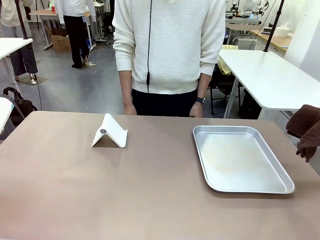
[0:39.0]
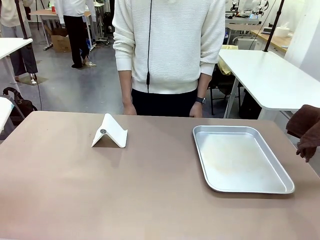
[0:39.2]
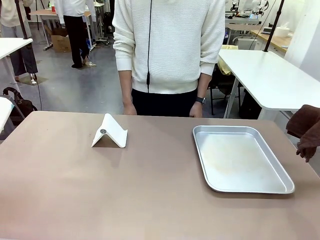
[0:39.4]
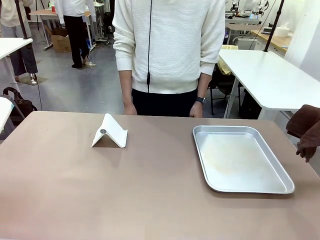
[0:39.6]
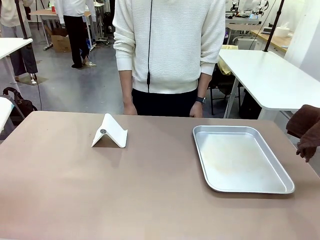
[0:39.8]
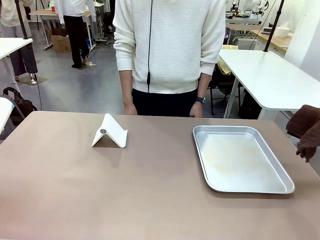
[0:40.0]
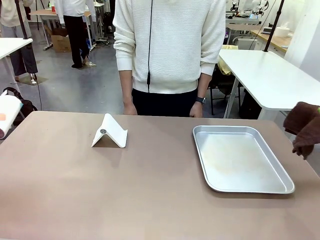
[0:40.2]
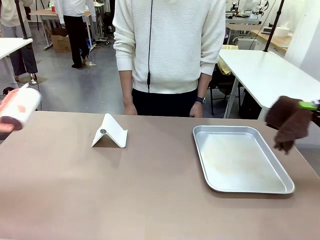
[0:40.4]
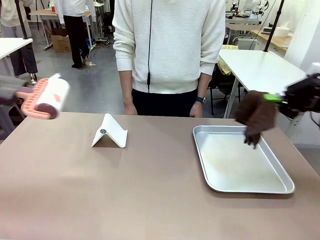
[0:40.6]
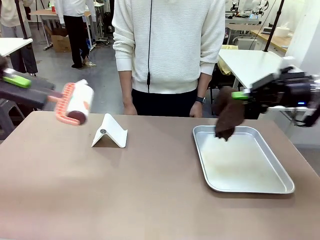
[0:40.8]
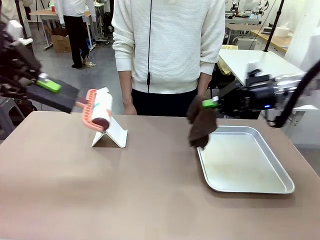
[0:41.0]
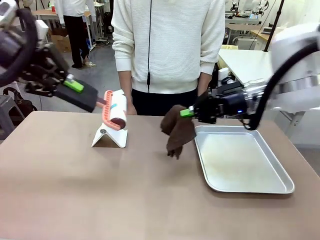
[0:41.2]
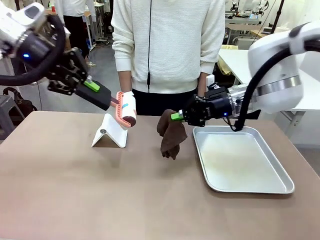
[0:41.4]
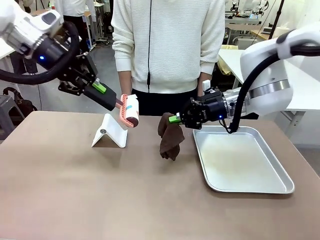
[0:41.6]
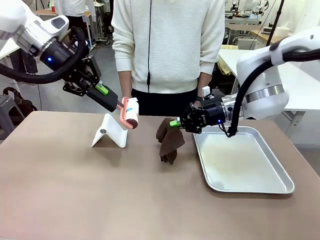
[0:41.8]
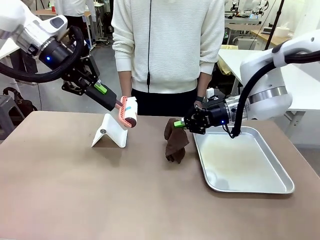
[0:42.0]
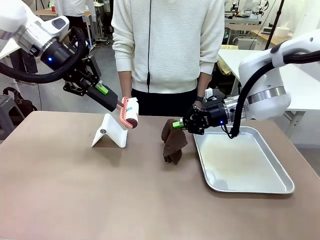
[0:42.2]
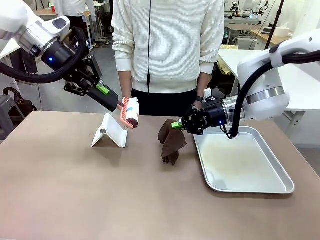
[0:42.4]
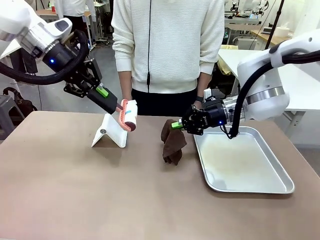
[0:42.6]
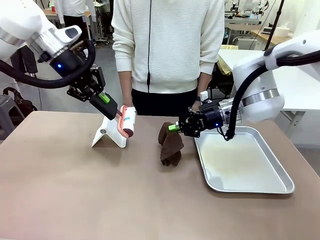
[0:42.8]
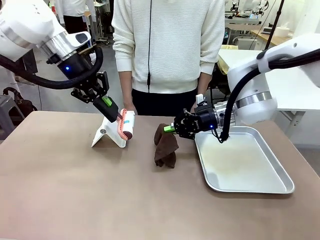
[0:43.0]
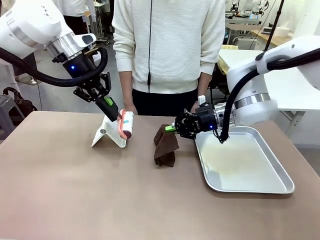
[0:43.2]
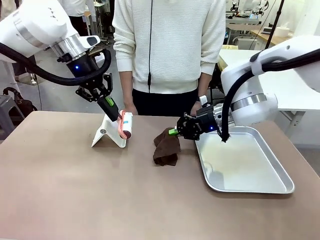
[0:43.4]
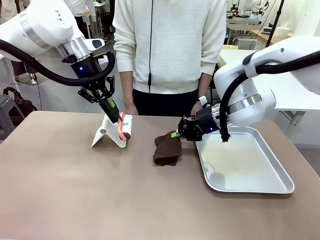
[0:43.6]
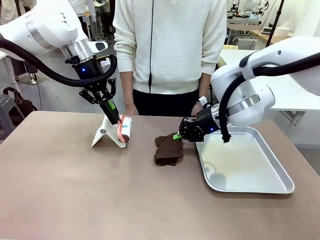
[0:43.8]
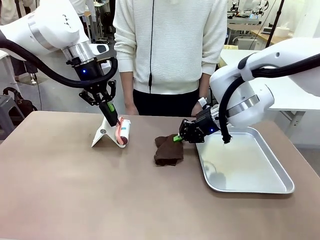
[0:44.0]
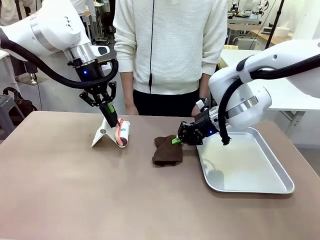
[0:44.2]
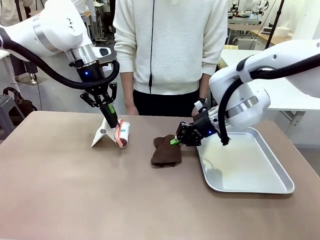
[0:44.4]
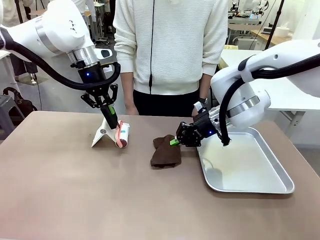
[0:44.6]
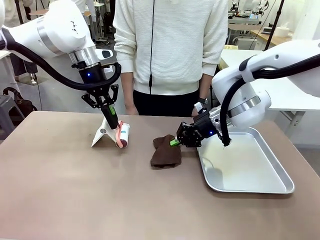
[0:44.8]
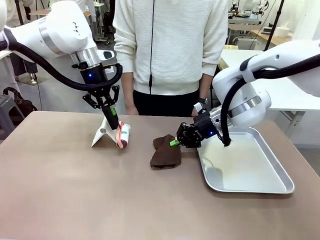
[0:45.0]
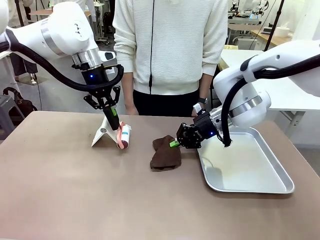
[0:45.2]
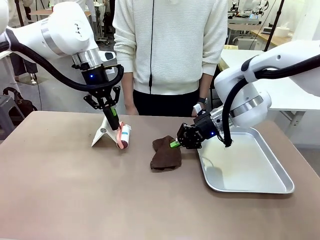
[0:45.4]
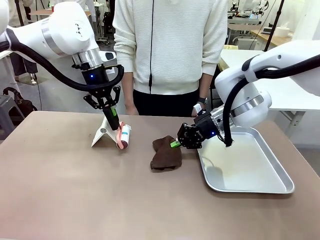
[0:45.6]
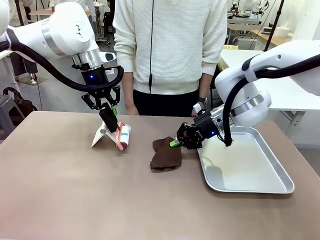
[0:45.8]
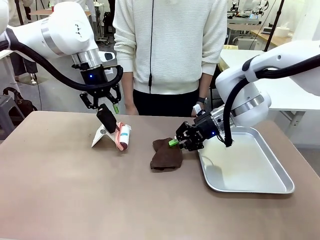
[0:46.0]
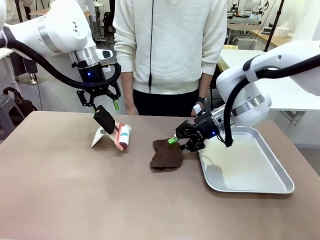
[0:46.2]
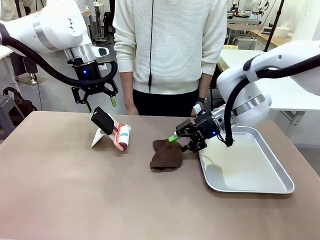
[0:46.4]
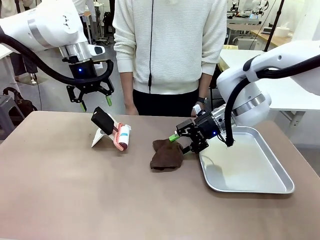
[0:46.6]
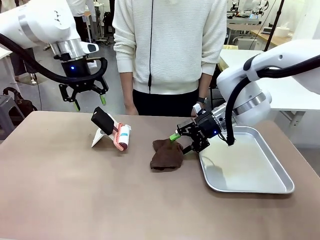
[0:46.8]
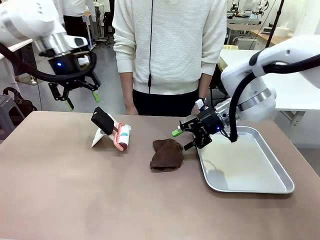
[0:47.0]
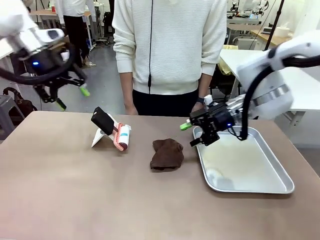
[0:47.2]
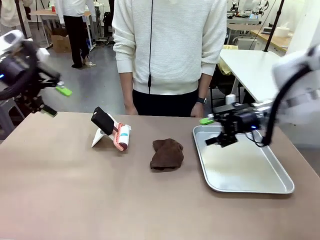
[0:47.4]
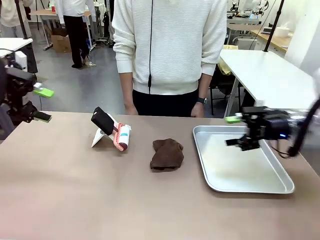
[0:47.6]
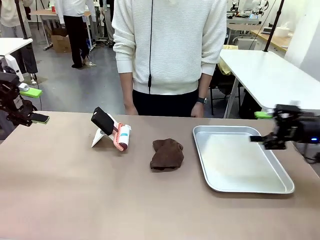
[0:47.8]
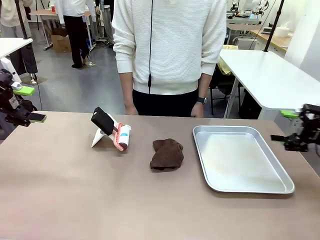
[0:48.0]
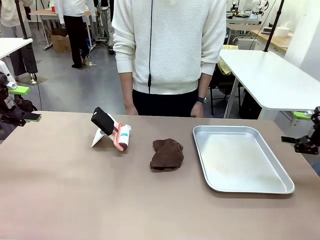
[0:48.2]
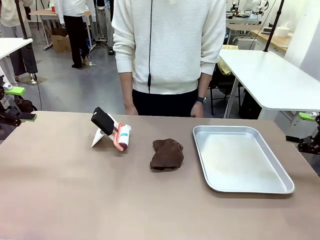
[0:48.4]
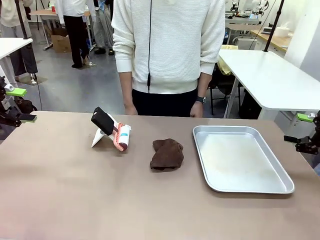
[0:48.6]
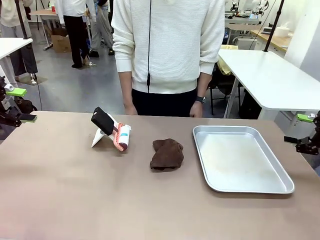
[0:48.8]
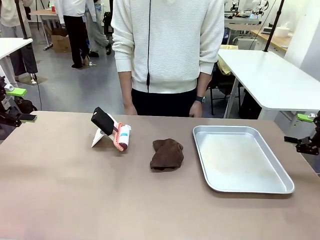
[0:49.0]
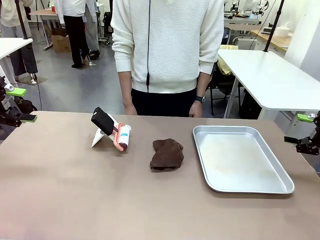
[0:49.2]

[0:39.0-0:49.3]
Task: Clean the surface of the table.
Robot: Return the Lint Roller and towel to their original positions.

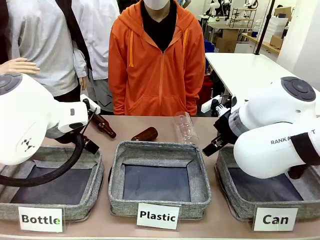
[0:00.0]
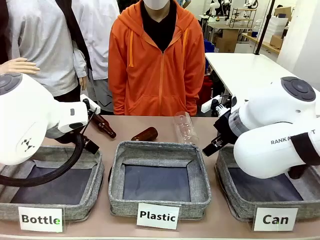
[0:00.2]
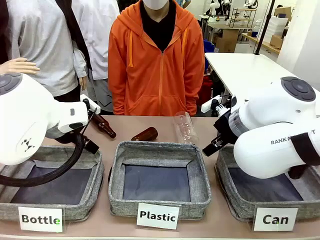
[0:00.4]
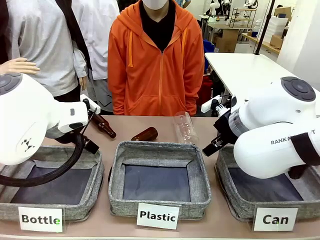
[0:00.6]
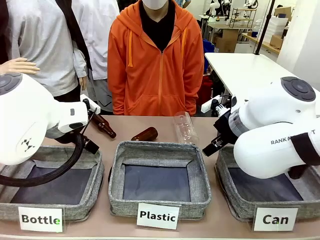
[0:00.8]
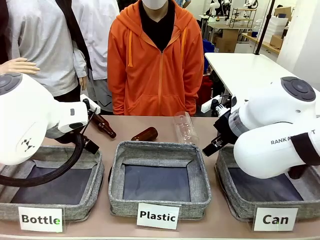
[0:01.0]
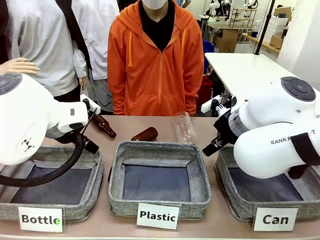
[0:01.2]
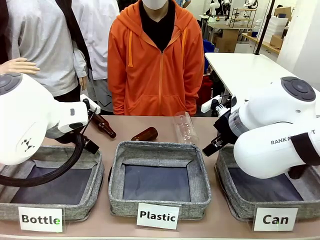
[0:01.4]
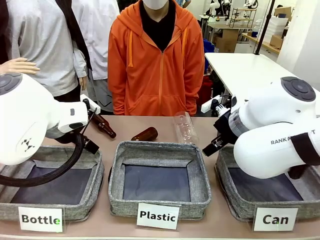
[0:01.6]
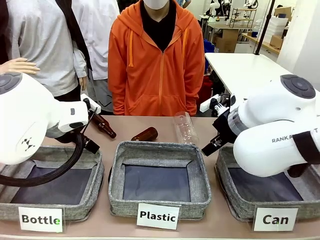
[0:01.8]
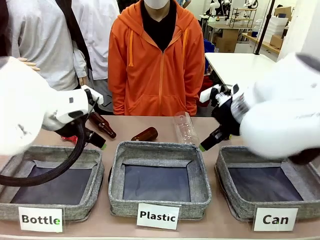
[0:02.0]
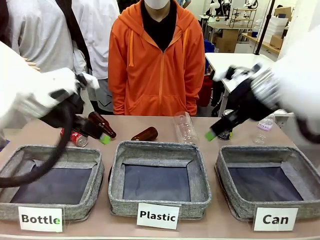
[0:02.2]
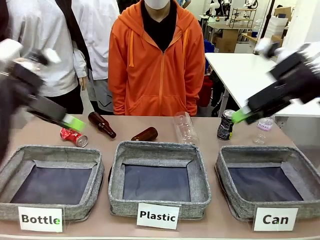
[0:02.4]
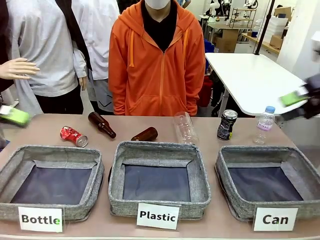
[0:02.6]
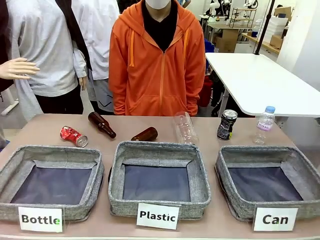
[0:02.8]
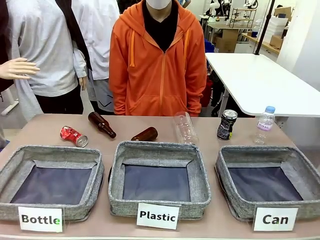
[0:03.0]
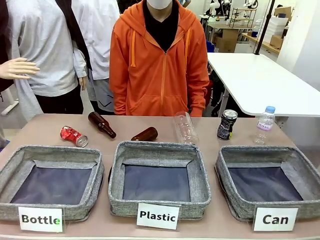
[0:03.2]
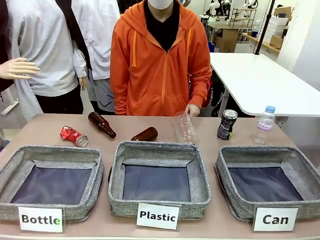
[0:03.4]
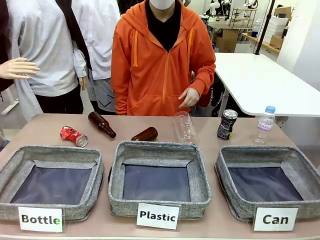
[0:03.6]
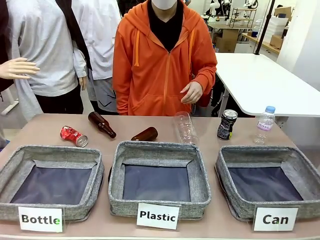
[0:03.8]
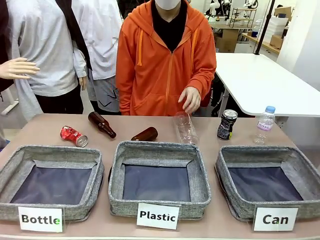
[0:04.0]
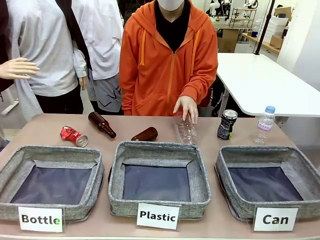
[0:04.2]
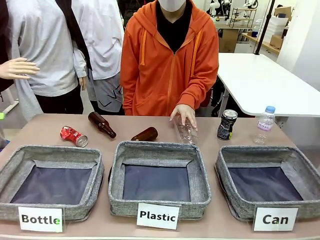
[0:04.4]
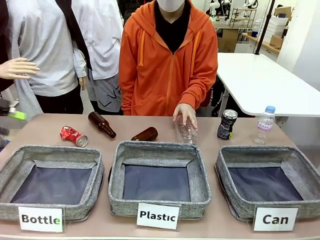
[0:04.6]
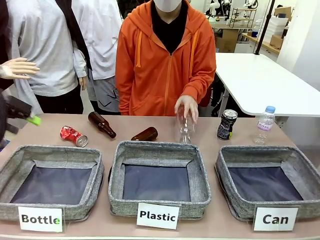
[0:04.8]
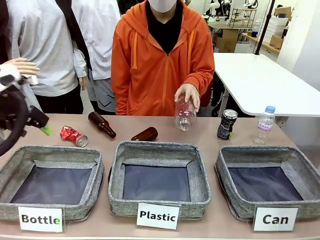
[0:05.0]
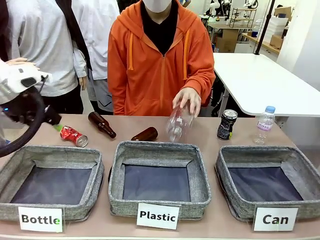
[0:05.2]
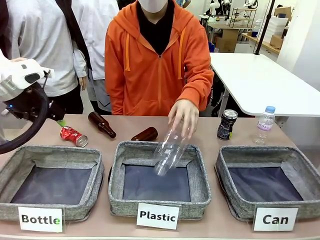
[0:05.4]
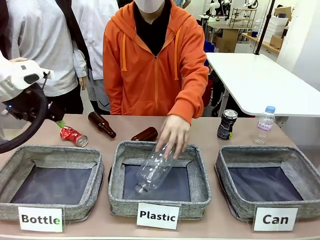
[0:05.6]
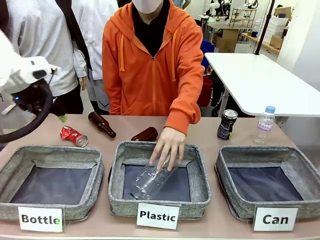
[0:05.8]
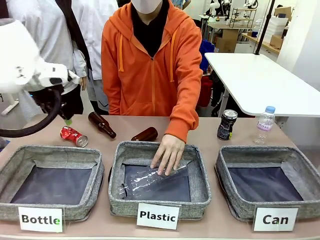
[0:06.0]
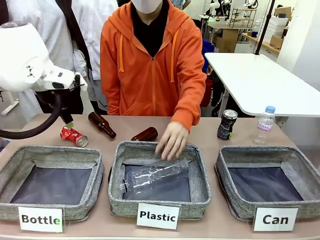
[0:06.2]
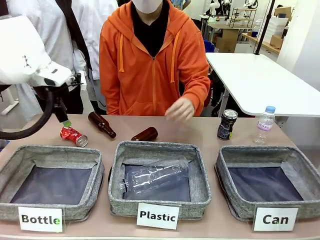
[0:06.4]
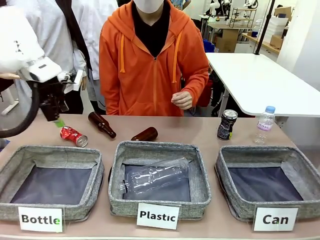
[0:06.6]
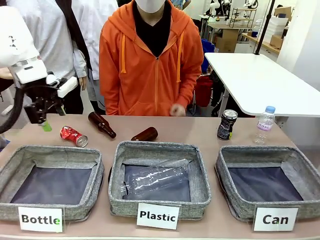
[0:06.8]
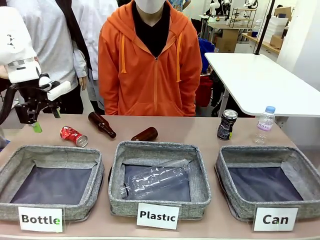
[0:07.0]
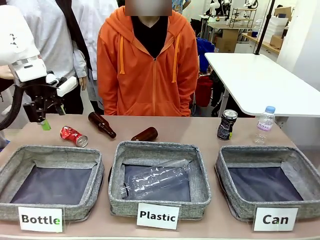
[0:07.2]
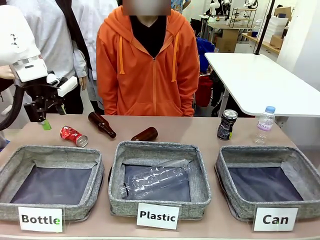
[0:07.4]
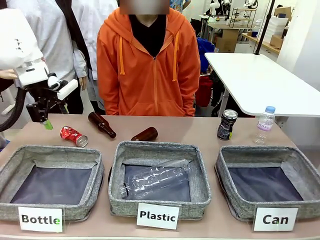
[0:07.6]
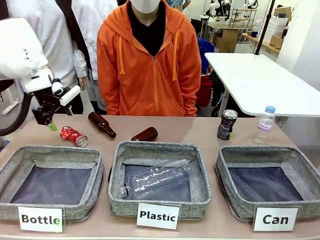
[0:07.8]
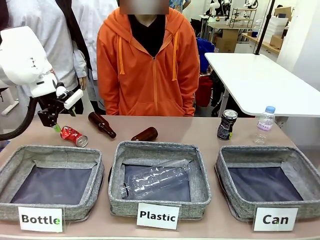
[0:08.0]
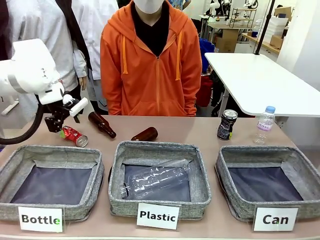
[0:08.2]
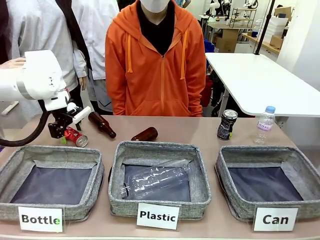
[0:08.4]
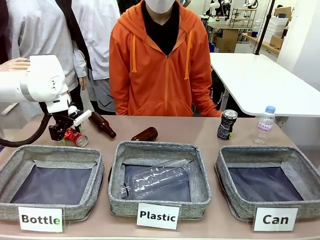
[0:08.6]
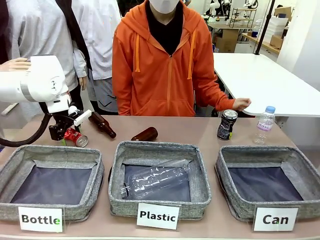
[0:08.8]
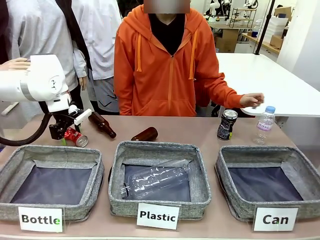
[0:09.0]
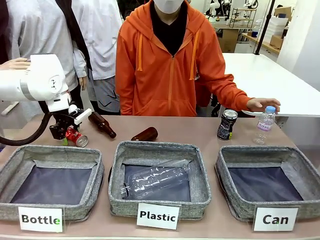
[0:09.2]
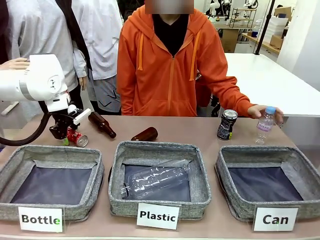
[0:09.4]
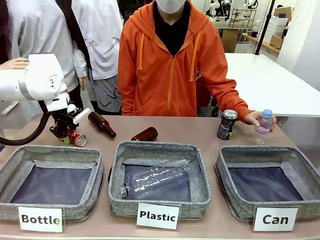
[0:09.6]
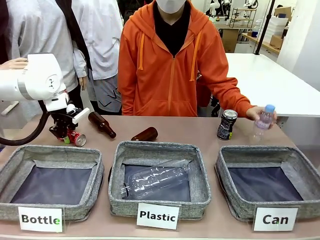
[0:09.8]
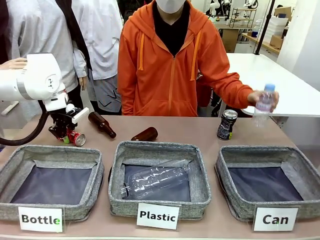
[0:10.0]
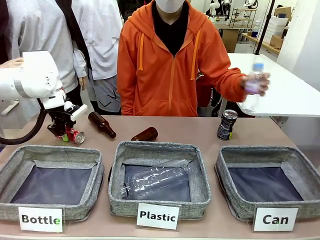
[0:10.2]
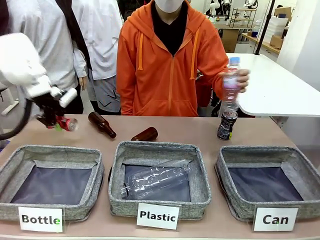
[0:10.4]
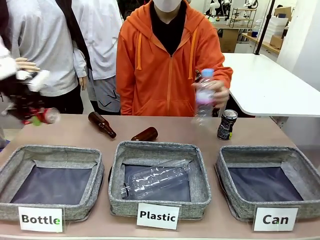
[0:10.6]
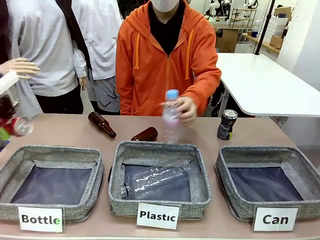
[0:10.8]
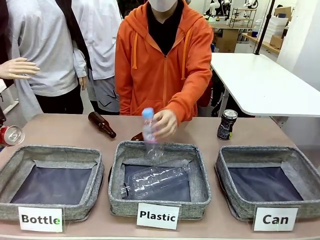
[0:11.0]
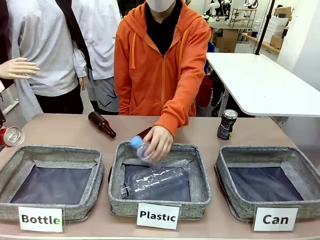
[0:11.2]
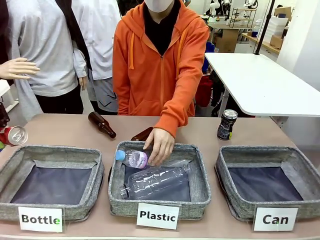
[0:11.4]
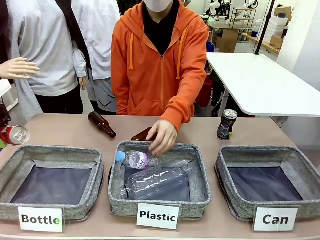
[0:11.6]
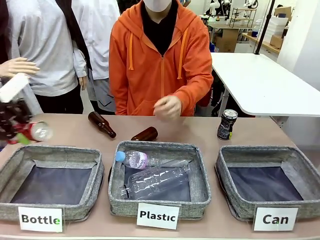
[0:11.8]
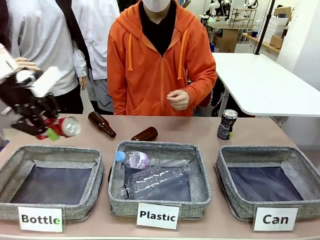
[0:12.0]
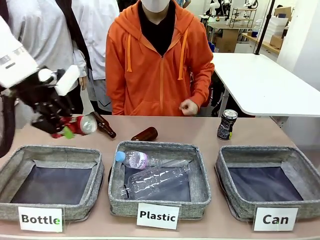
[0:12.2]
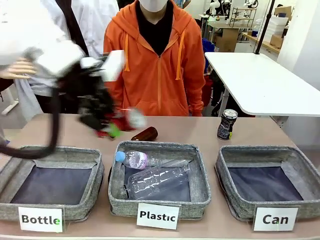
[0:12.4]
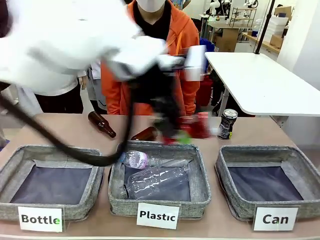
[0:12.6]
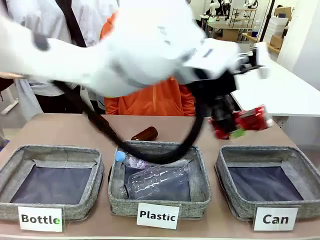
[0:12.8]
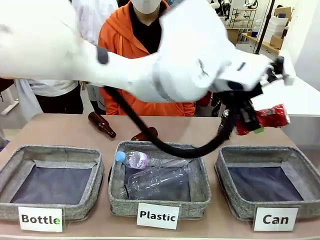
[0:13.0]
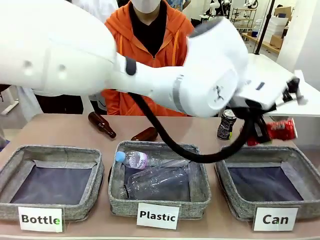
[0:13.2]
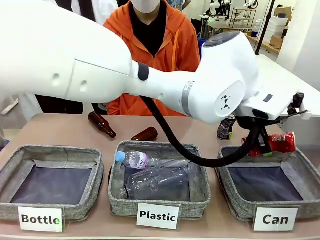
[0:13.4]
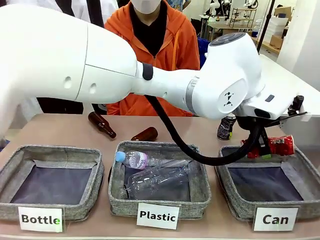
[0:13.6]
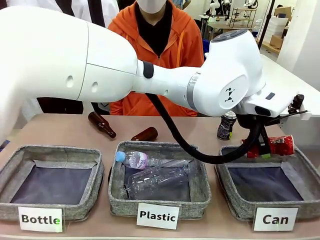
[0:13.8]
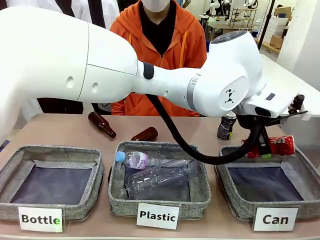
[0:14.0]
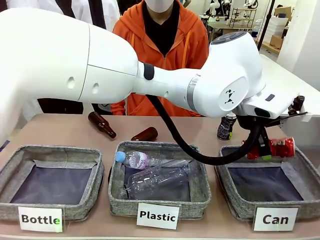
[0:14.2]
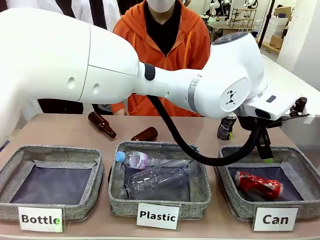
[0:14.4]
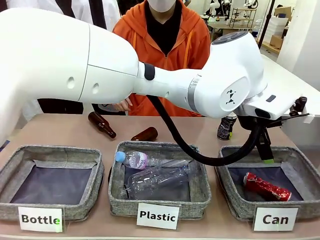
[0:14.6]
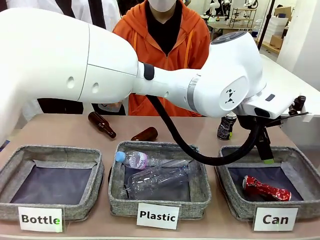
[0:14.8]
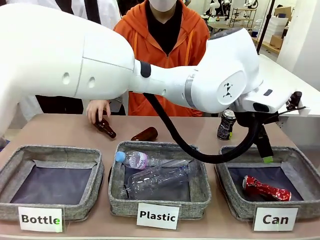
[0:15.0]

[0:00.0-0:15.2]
Task: Sort the can waste into the basket.
Robot: Pick up the can waste from the table and place it in the right Fabric basket.
